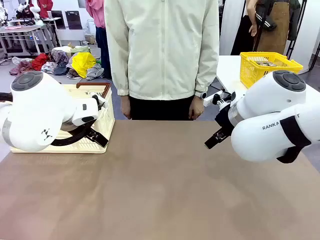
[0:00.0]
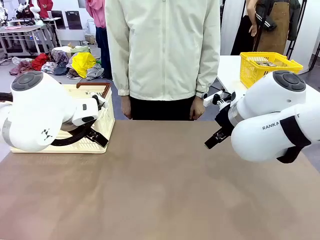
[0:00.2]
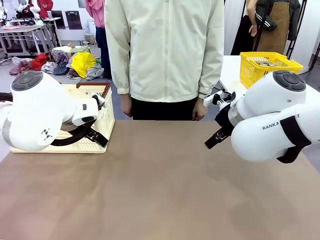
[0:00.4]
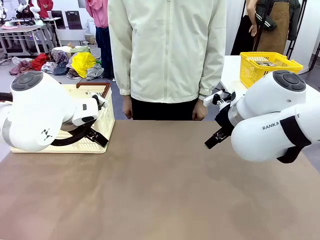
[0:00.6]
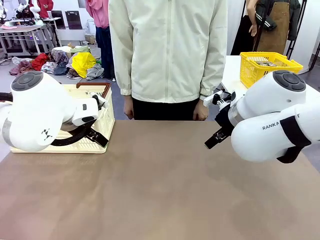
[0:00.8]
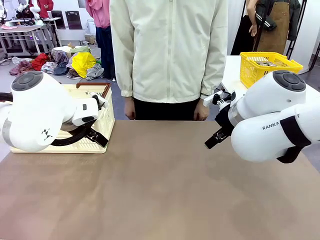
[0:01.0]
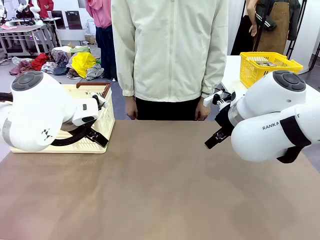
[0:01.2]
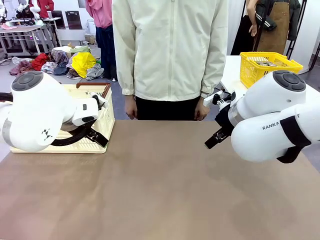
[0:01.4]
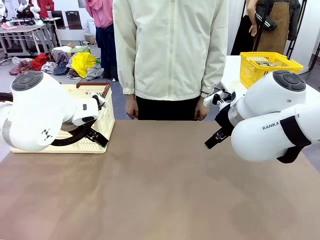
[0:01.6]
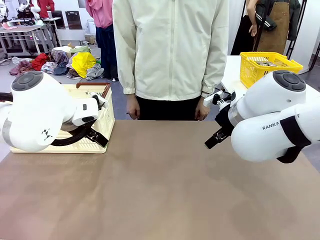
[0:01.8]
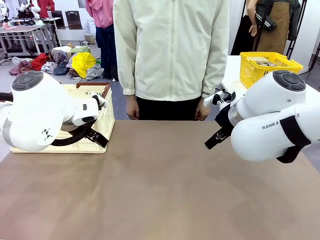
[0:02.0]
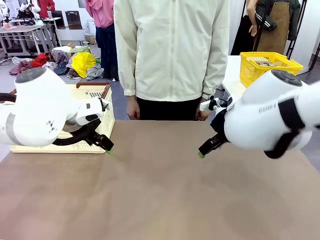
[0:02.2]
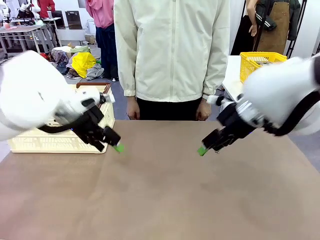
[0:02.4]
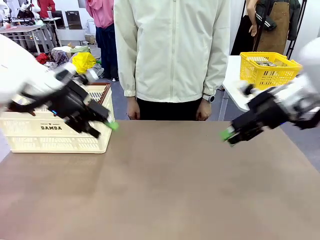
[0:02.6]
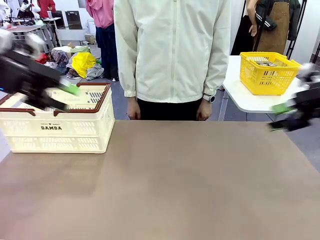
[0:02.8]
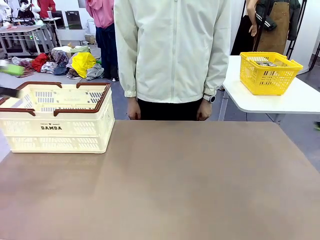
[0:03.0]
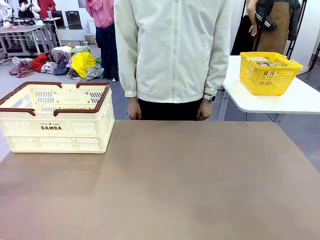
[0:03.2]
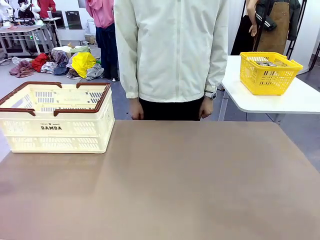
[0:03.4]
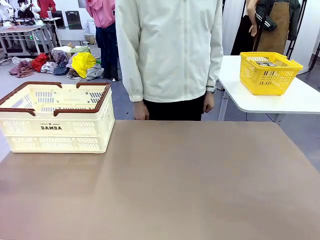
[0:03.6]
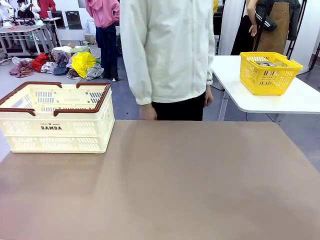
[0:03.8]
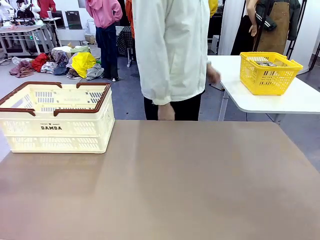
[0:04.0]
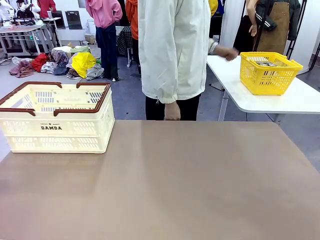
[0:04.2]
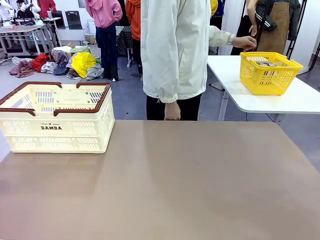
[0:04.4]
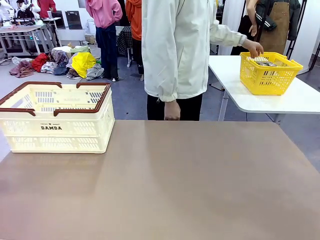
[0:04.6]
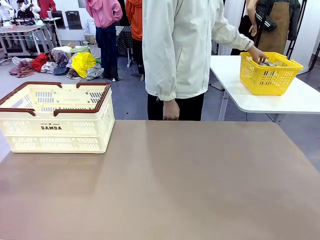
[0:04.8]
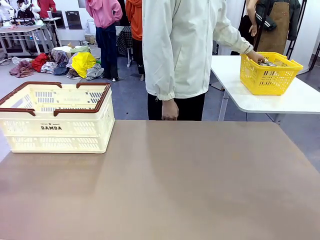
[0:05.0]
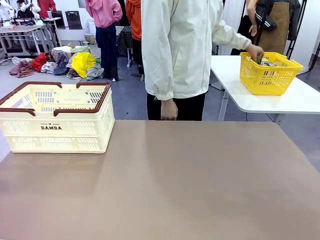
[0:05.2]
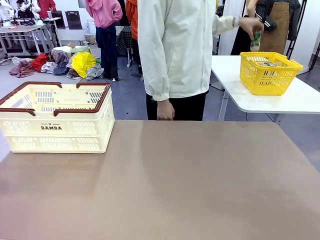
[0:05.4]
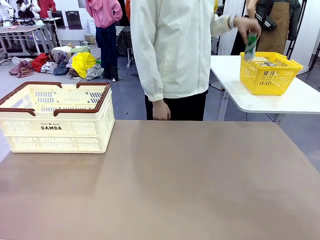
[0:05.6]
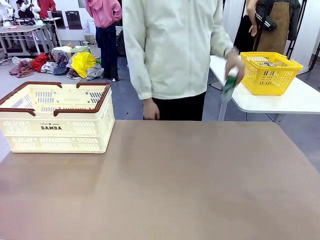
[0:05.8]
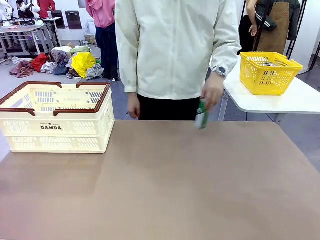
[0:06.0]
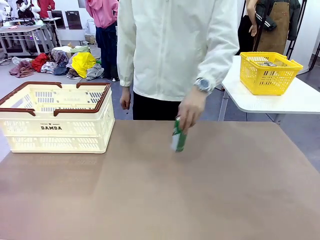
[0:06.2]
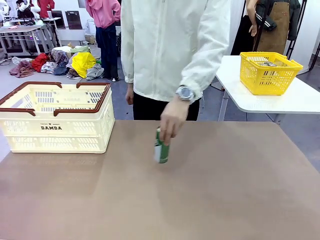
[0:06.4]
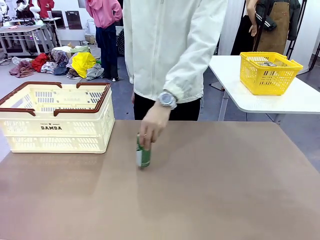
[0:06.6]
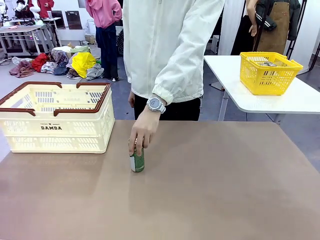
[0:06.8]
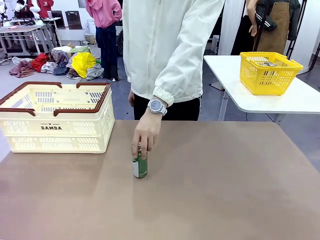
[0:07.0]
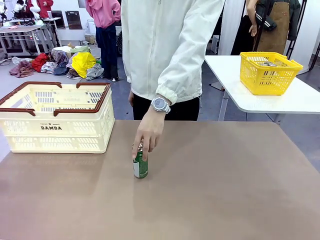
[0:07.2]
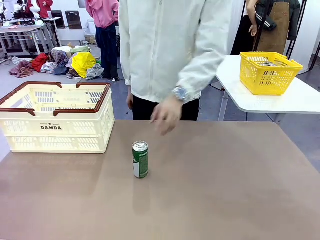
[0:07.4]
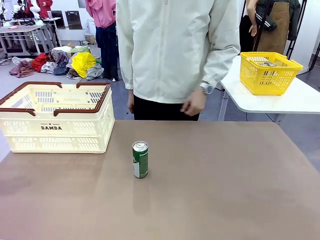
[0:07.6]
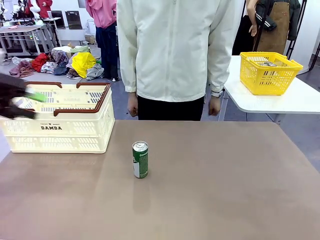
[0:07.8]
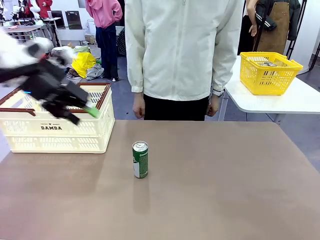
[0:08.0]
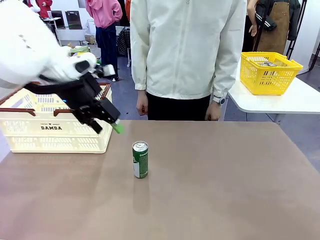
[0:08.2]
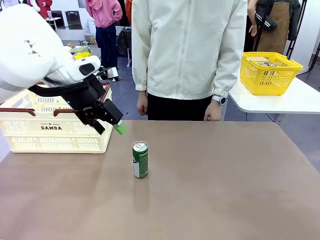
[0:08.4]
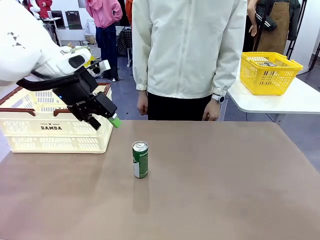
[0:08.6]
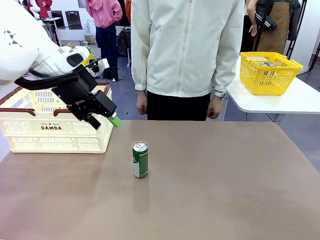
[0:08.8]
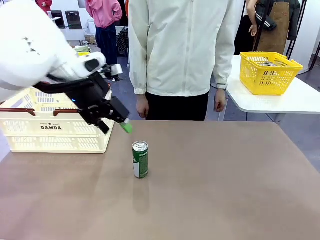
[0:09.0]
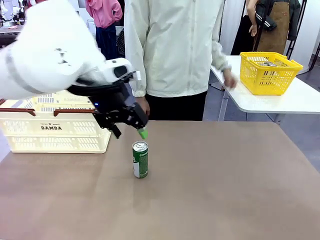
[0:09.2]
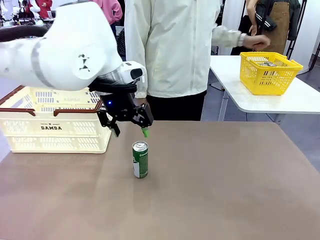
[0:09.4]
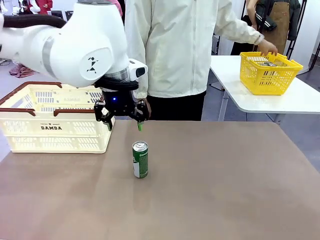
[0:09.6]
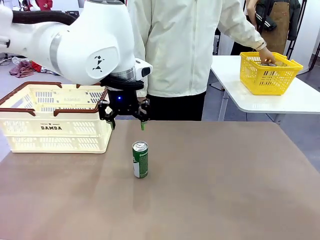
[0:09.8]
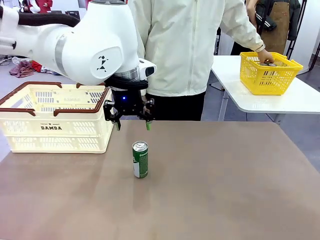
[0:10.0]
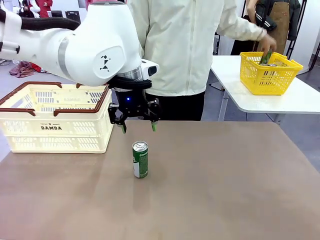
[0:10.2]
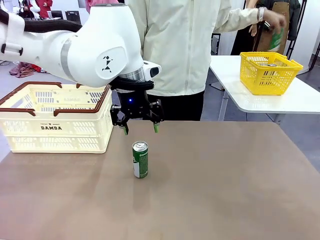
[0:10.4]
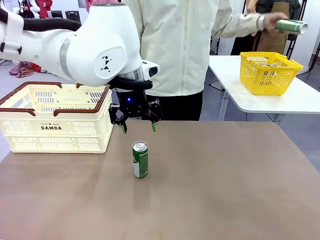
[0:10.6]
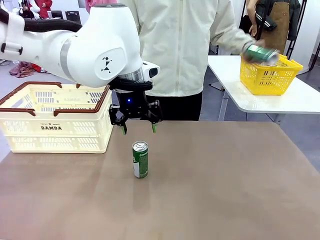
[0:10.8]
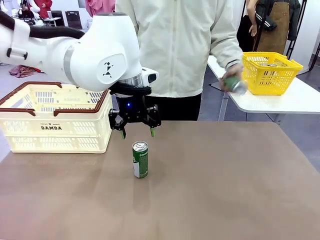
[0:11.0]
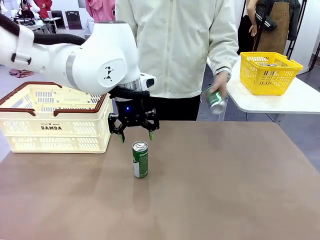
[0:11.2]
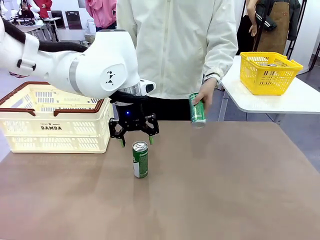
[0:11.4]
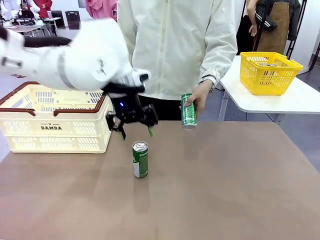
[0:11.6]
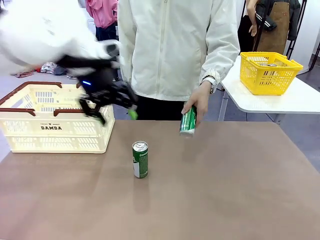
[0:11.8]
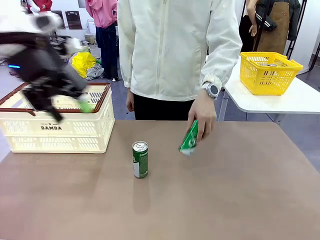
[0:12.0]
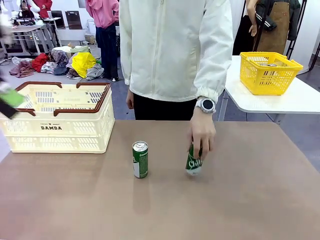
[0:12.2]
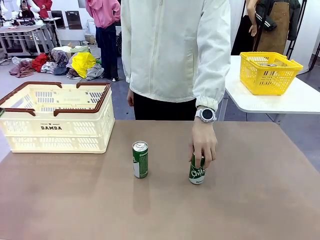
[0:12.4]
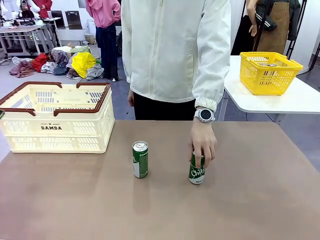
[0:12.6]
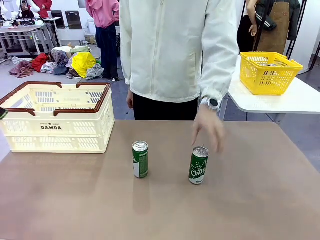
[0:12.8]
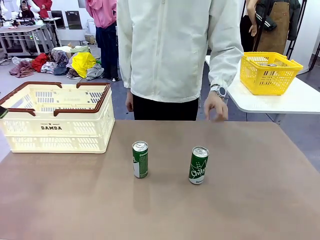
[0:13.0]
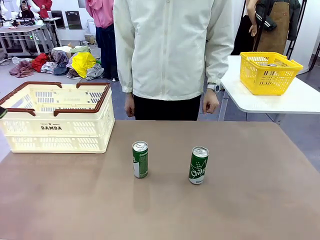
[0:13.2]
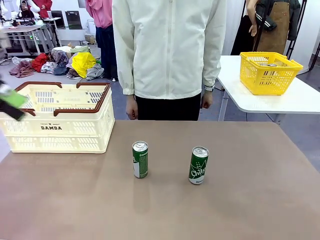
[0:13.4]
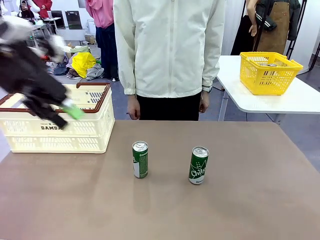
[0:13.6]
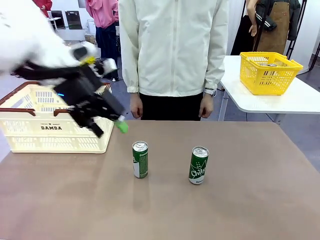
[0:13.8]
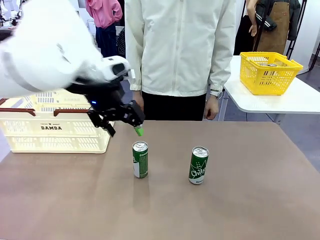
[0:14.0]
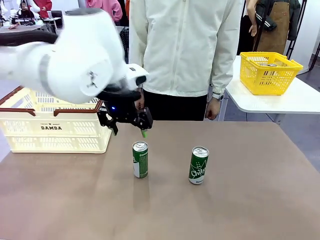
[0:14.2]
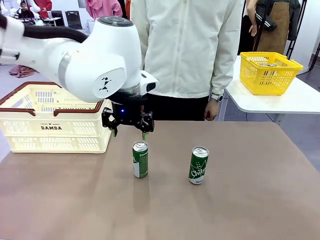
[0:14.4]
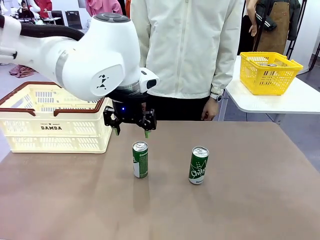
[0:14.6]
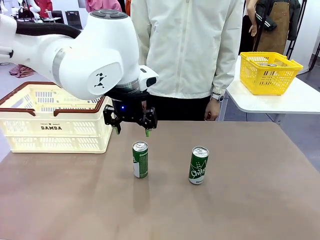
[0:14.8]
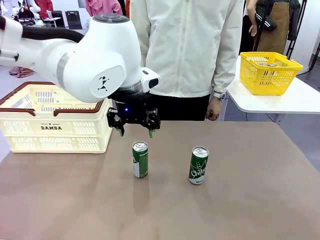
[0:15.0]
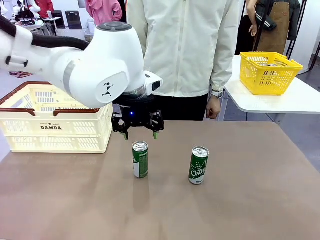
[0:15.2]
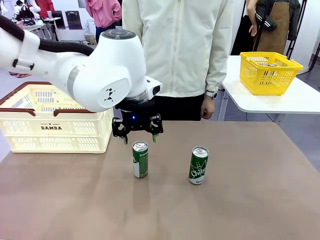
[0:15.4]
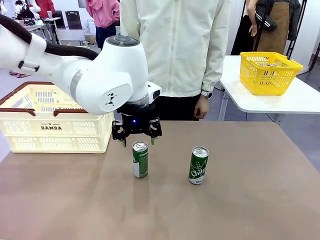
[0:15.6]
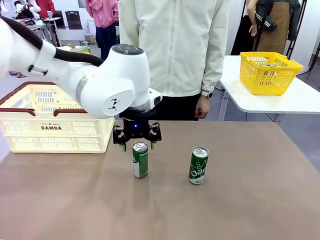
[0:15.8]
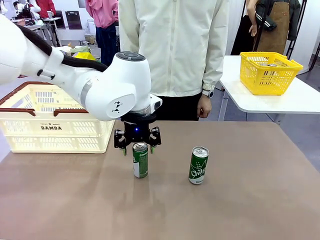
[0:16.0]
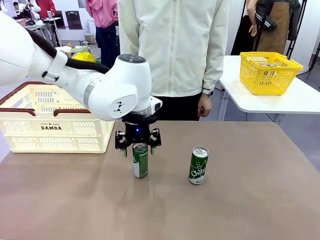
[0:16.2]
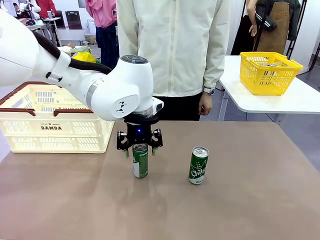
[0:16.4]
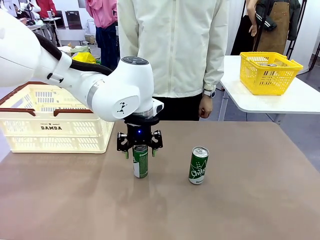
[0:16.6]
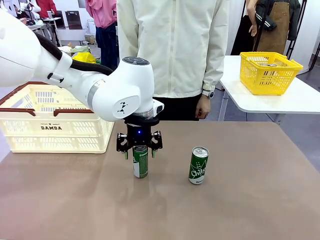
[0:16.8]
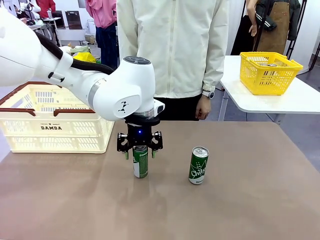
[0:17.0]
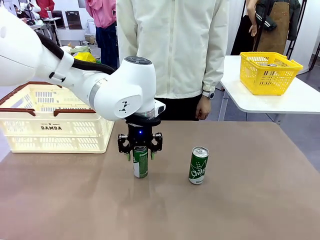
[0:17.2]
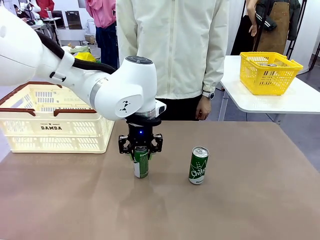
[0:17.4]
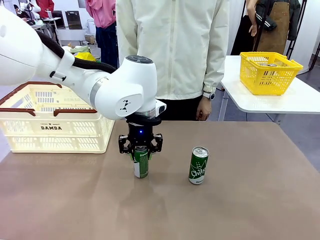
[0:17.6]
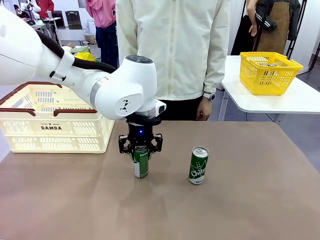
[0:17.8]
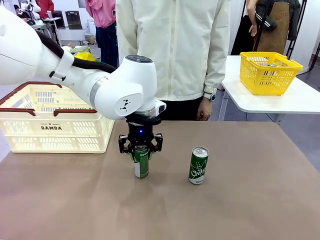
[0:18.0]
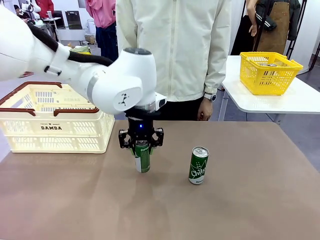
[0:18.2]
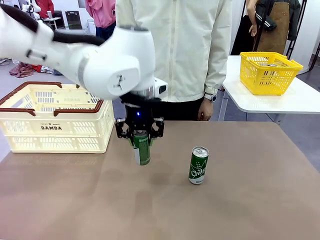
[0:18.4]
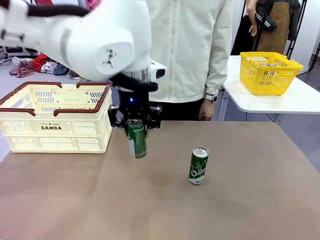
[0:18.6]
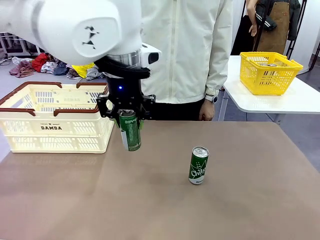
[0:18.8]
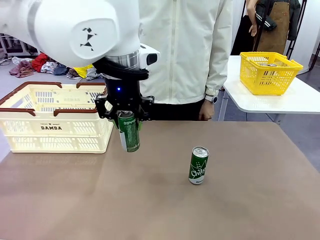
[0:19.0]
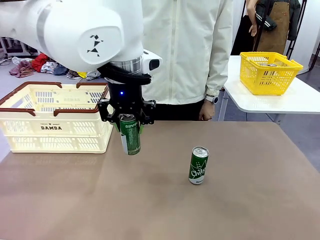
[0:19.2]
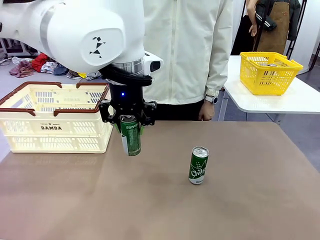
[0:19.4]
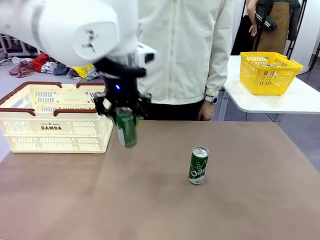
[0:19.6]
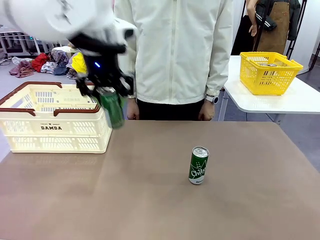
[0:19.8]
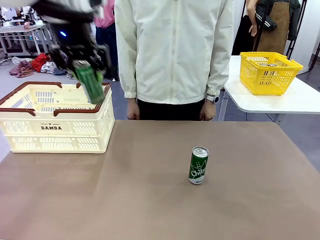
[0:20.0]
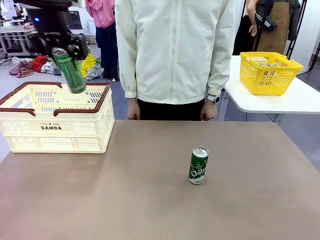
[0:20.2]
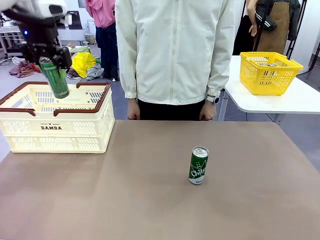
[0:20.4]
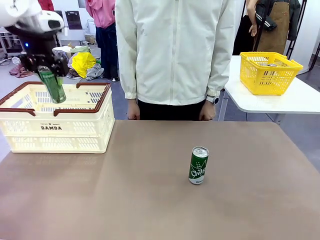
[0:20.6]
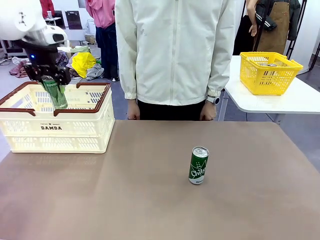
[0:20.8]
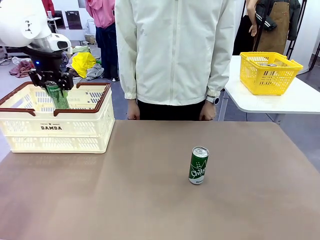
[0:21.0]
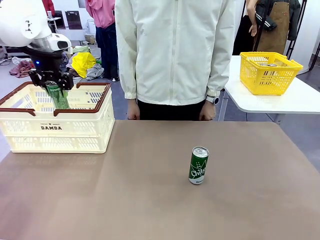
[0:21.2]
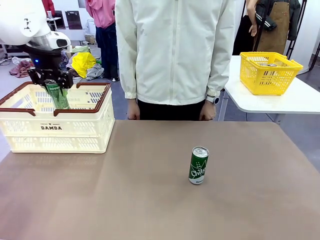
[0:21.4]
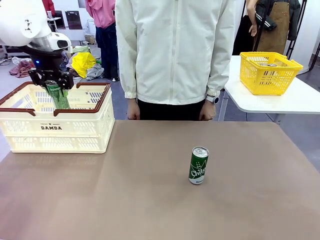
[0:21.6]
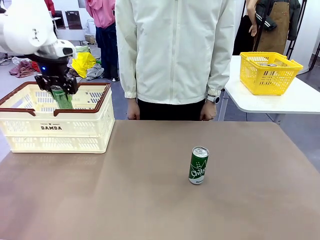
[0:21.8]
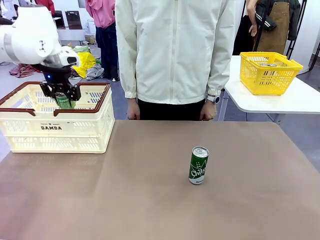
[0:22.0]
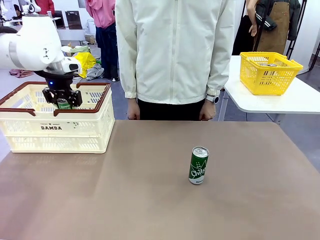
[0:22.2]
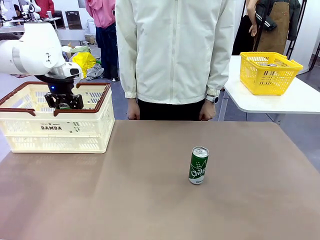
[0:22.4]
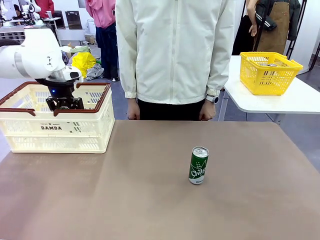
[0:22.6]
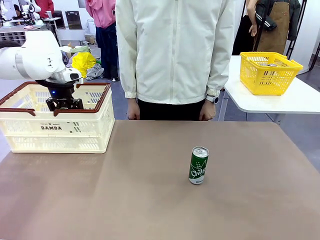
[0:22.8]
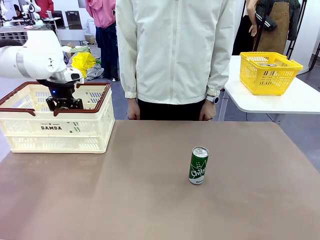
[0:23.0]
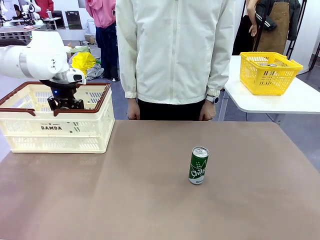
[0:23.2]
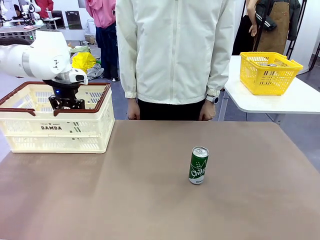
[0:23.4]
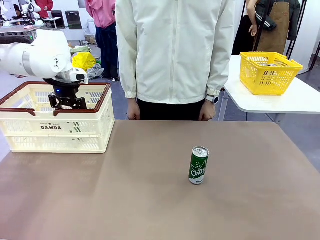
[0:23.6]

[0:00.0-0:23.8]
Task: Place the drinks into the Shopping basket.
Robot: Pick up one drink and place it into the Shopping basket.
